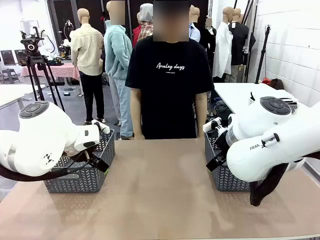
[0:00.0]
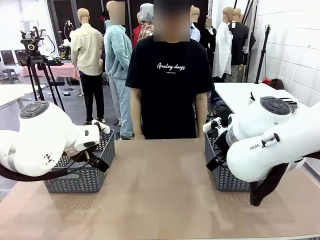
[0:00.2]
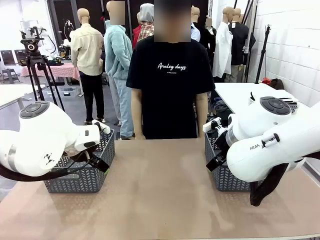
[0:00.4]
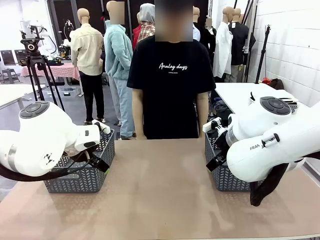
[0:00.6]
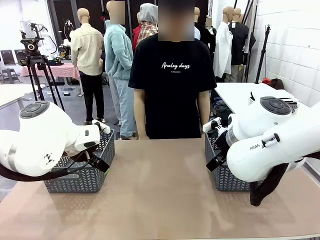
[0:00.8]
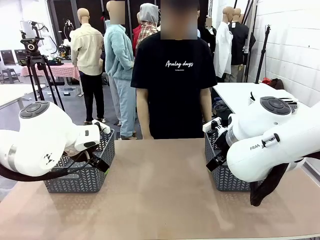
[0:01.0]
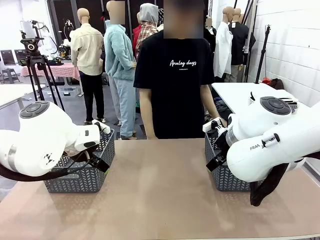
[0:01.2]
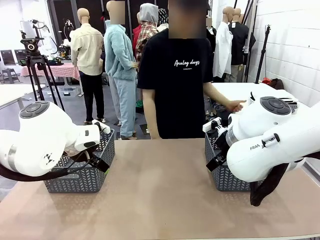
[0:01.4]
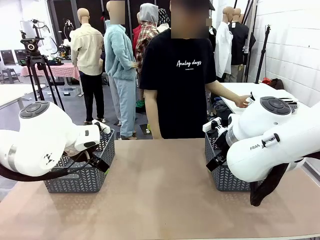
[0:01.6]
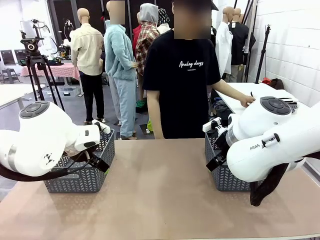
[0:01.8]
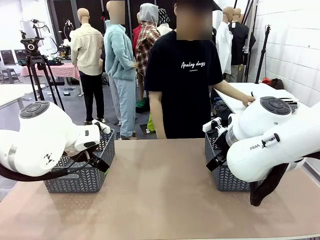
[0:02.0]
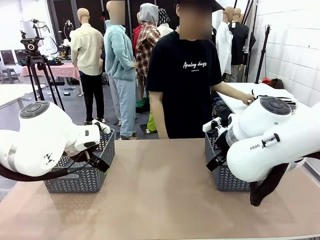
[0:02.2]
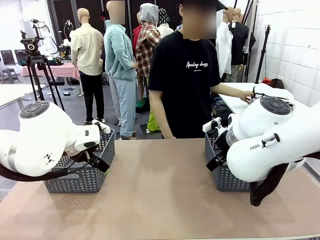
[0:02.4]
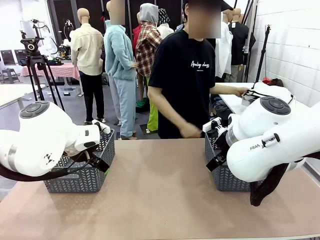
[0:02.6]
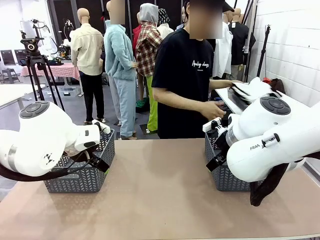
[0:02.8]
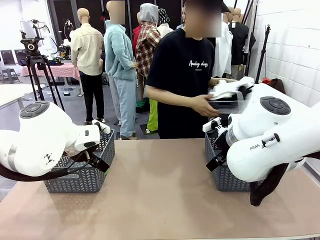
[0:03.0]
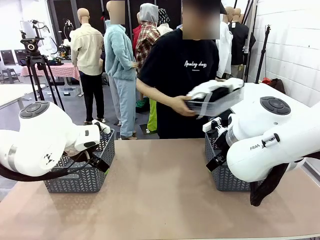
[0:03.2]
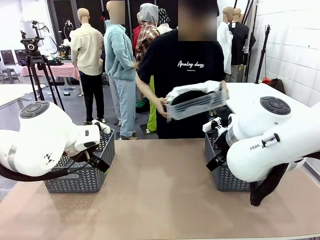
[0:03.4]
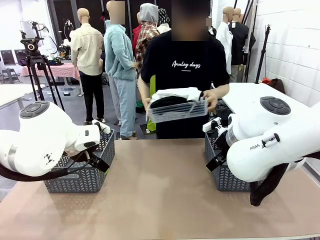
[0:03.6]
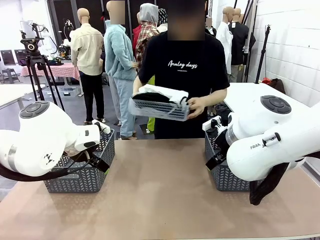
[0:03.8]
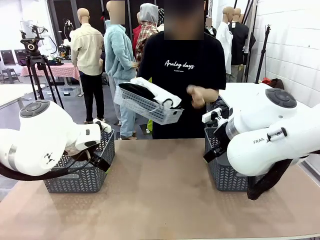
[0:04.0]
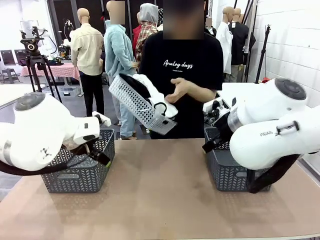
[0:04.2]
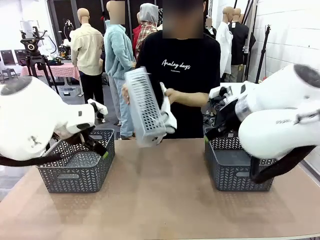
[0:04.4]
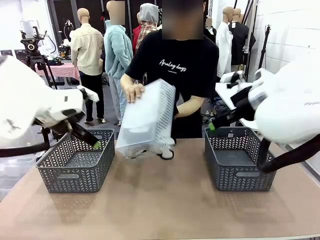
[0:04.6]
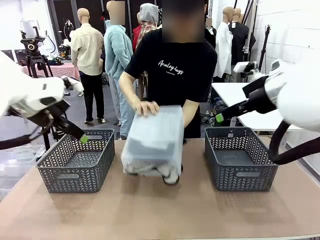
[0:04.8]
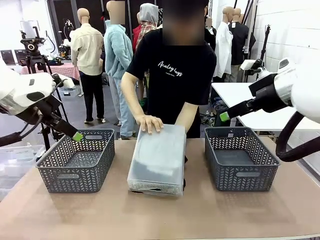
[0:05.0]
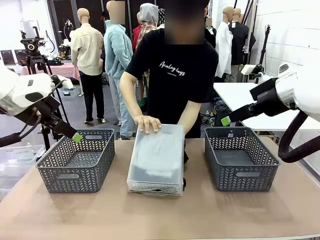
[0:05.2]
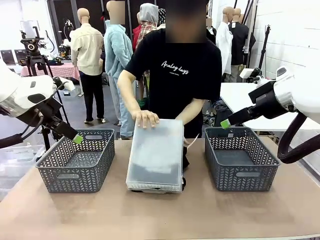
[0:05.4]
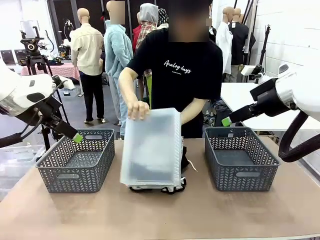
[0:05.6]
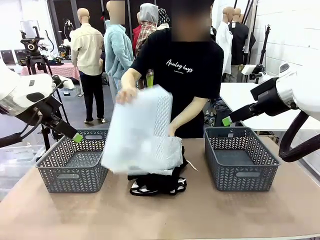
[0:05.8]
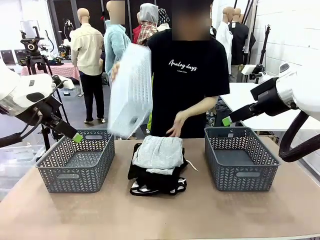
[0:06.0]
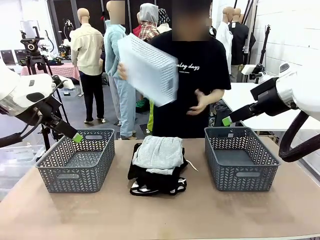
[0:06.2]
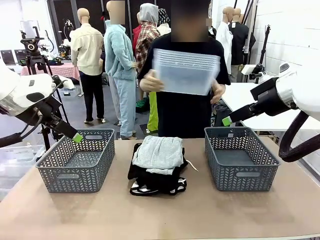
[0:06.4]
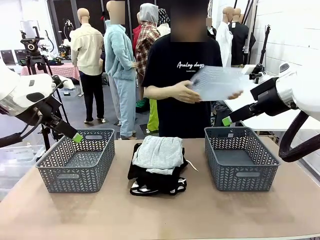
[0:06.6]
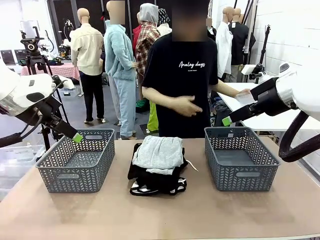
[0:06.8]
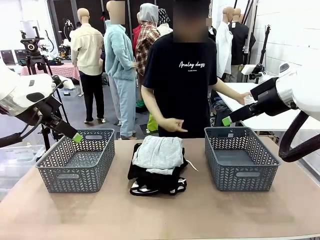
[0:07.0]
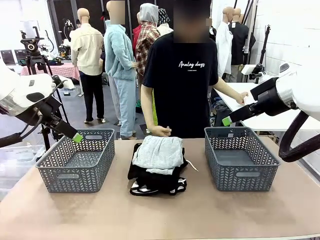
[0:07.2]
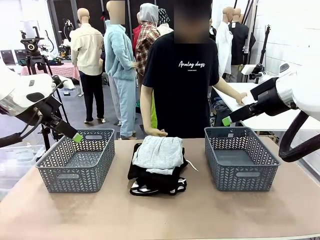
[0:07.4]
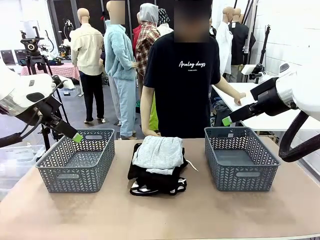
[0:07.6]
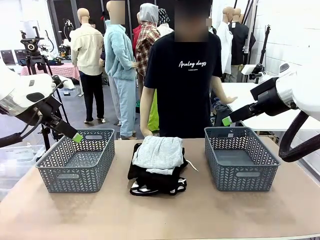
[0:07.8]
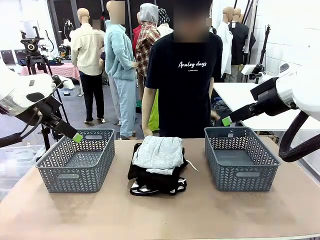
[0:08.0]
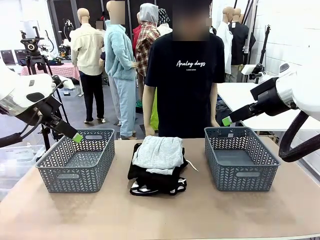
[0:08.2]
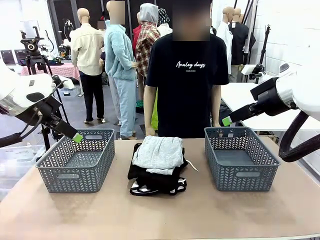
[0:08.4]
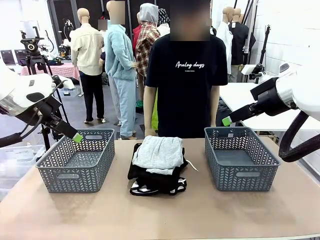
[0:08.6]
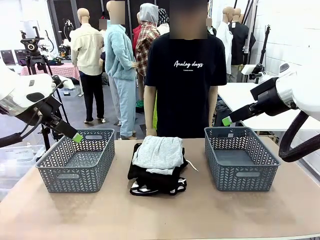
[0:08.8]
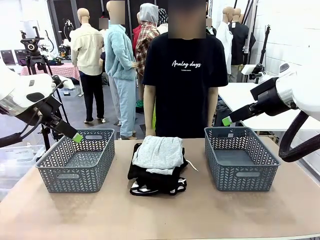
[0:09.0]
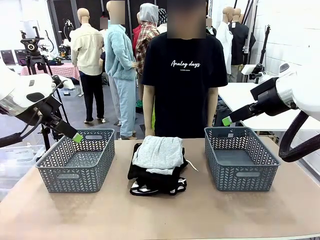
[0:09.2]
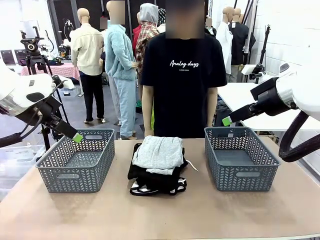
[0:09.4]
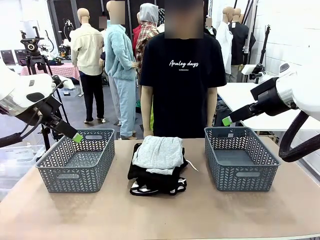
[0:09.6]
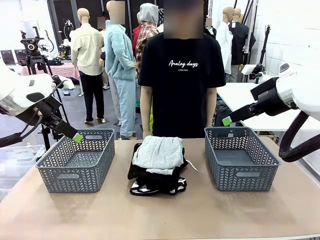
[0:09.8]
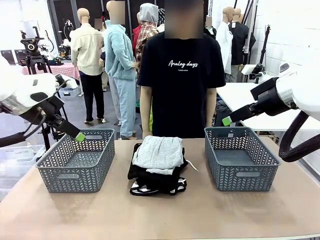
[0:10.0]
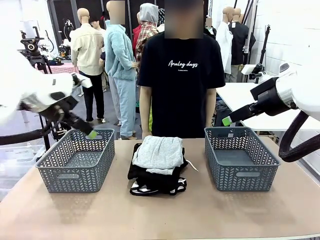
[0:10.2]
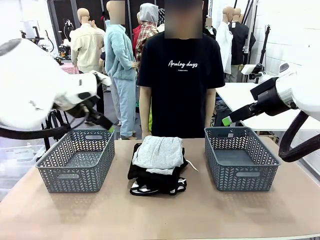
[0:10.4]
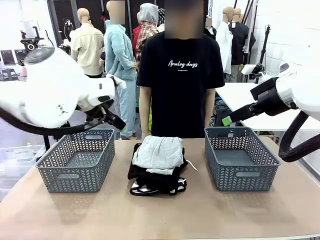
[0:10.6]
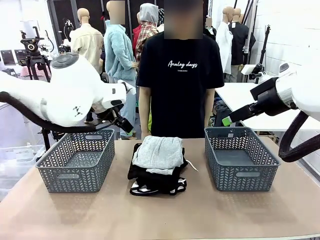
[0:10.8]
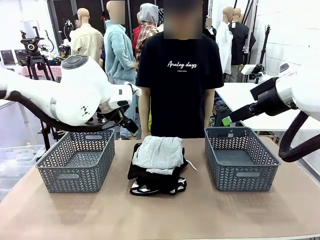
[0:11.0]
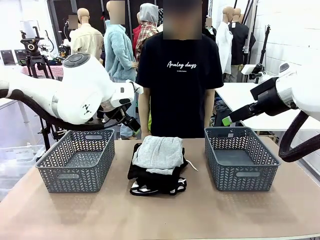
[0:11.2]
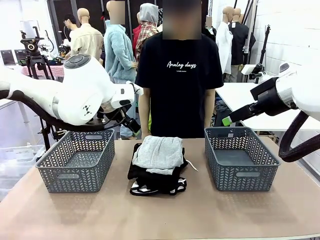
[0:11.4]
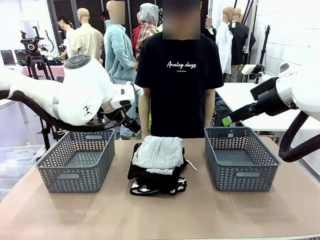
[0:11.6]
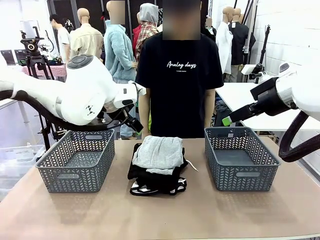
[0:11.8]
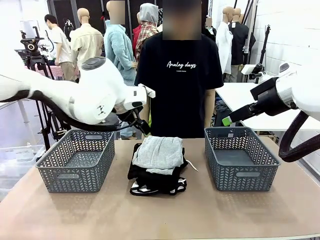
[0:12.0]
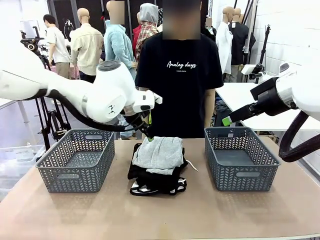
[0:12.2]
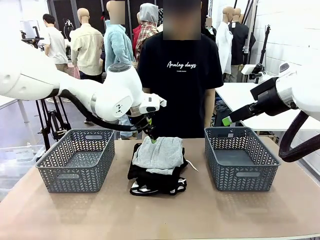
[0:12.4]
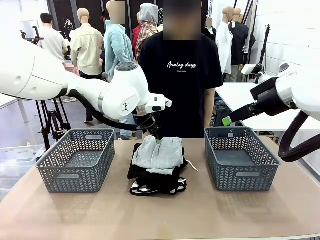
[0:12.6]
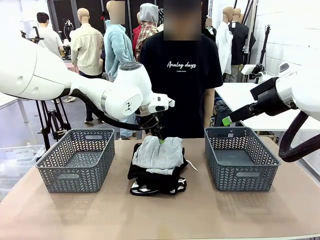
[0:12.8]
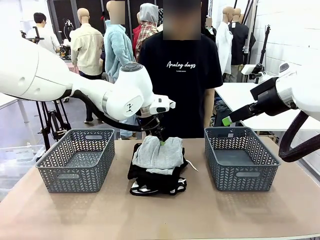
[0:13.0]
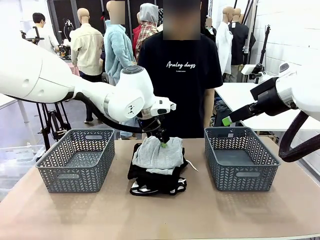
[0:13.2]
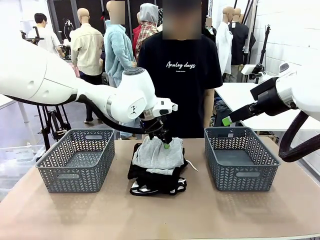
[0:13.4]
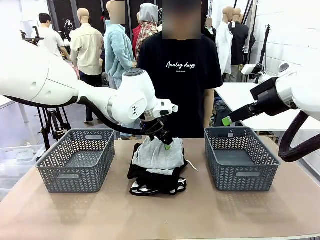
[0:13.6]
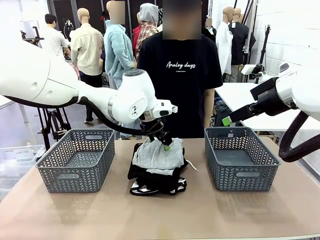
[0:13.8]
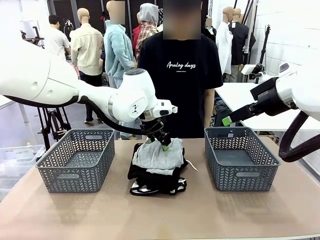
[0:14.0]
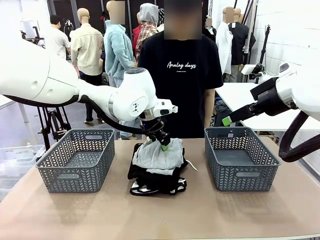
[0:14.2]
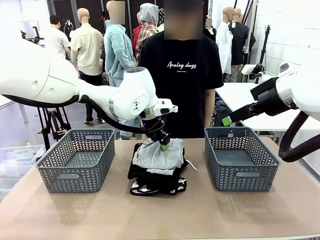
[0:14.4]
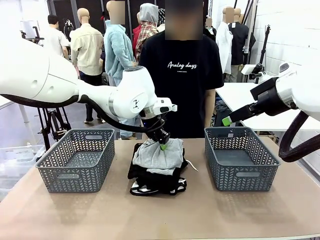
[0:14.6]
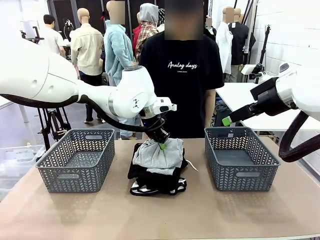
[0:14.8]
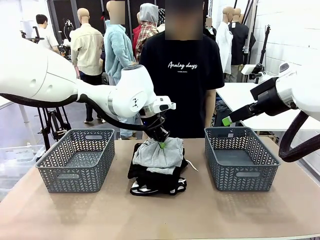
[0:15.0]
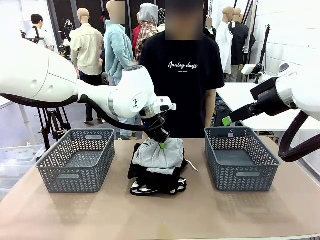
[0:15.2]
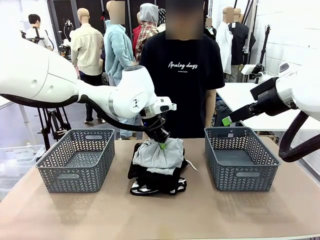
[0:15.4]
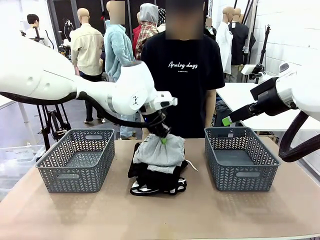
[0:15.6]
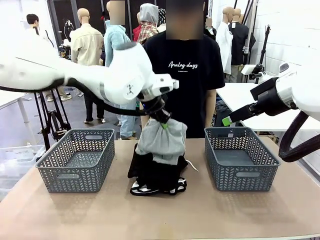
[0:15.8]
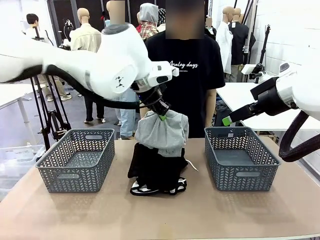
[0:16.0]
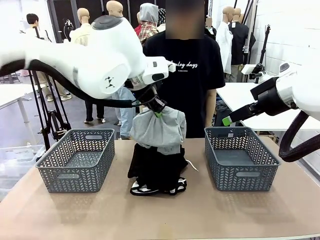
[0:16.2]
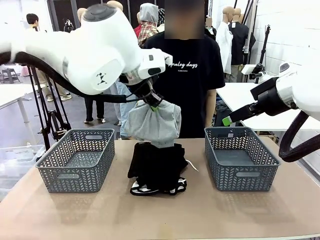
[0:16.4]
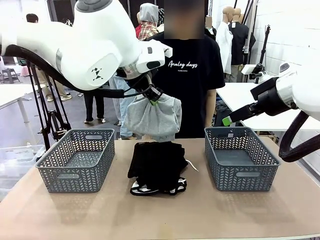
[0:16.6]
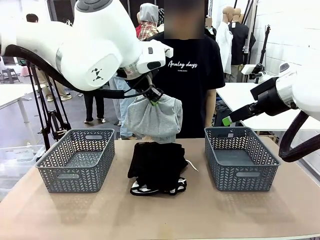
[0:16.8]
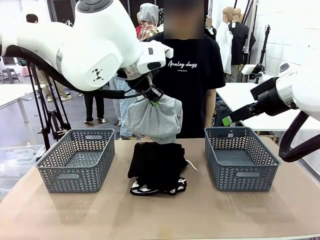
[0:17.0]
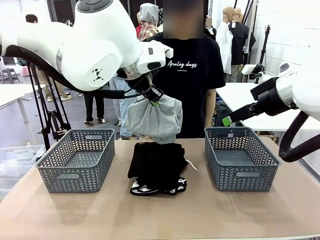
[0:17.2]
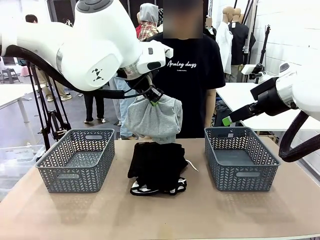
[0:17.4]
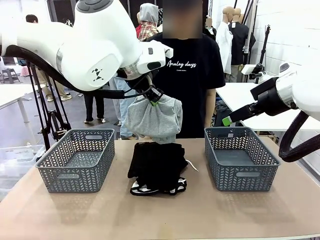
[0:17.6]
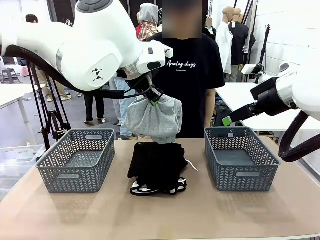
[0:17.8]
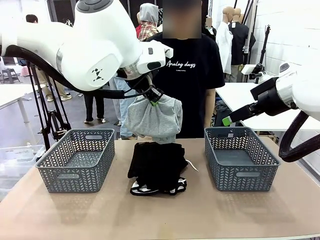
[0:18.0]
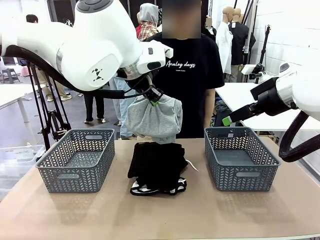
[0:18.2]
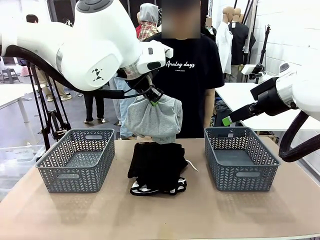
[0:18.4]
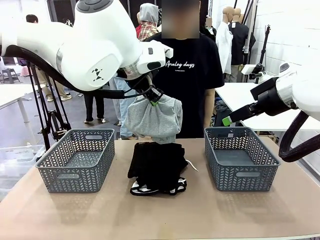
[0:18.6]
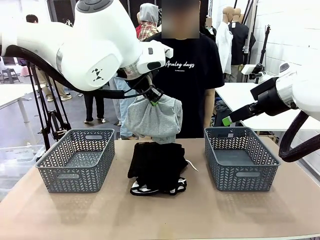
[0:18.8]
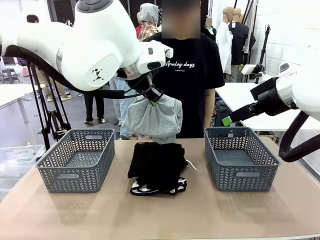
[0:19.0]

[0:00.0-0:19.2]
Task: Sort the tops and bottoms.
Robot: Lift clothes from the center of the table with your left hand.
Person: Pour the clothes from the basket onto the center of the robot table.
